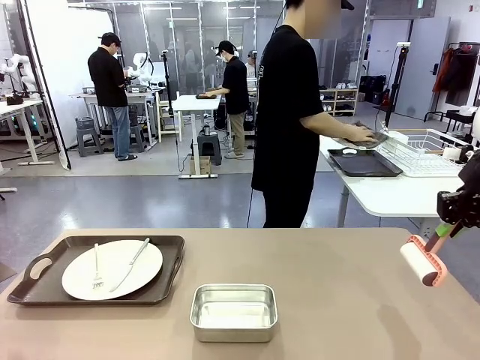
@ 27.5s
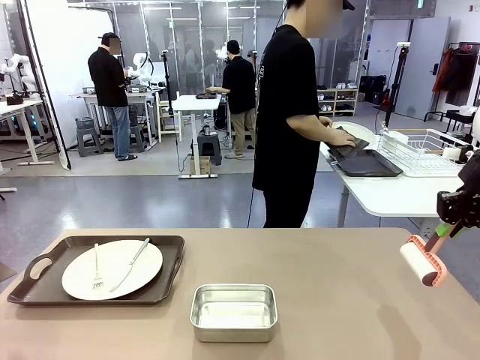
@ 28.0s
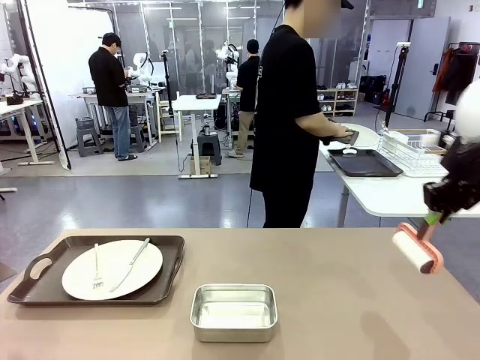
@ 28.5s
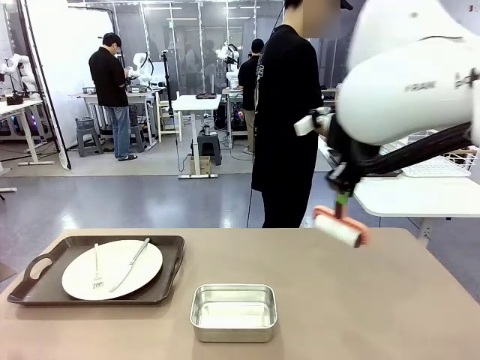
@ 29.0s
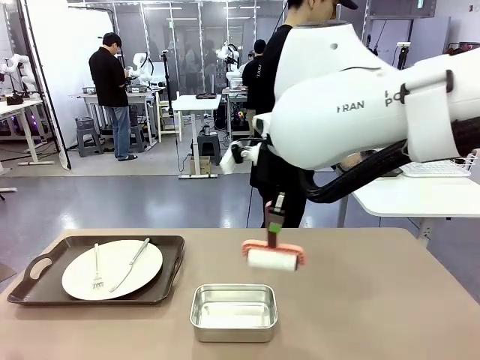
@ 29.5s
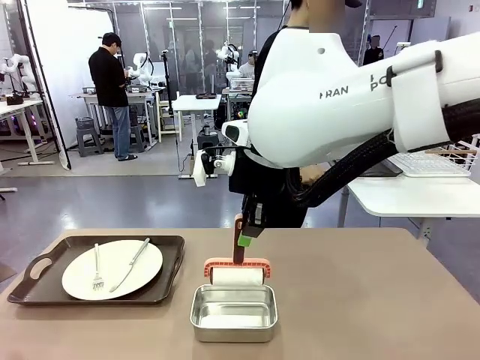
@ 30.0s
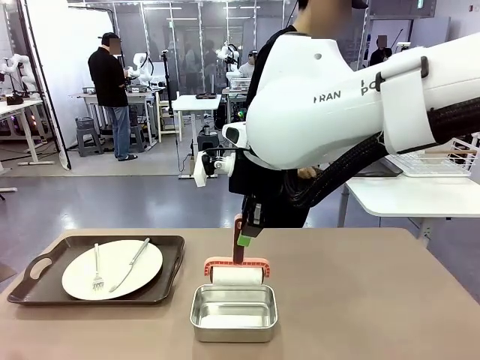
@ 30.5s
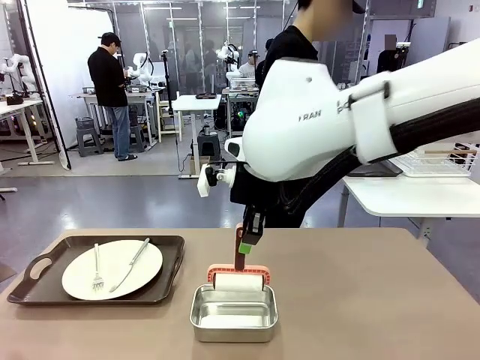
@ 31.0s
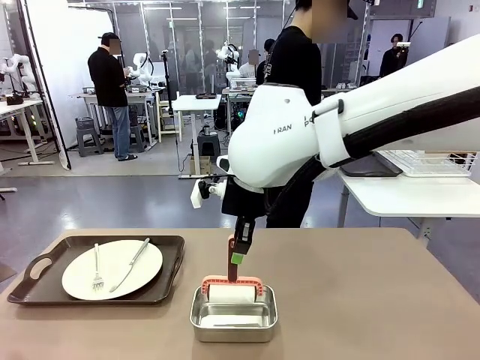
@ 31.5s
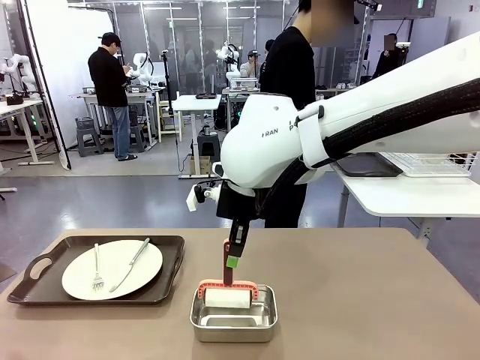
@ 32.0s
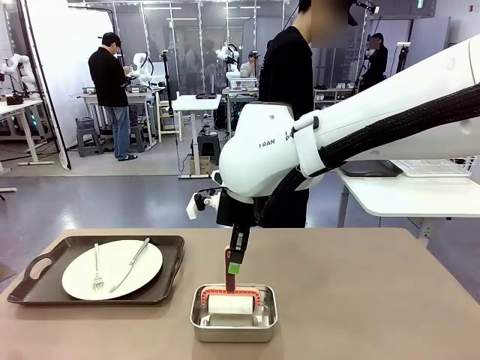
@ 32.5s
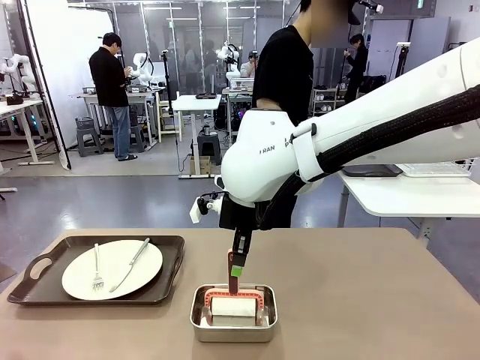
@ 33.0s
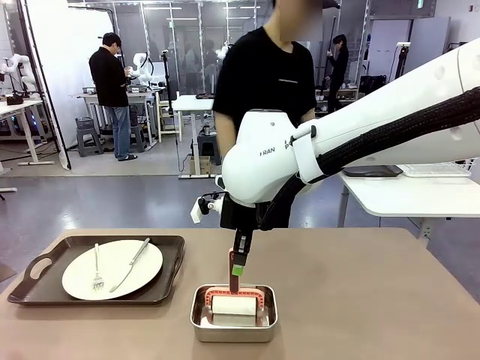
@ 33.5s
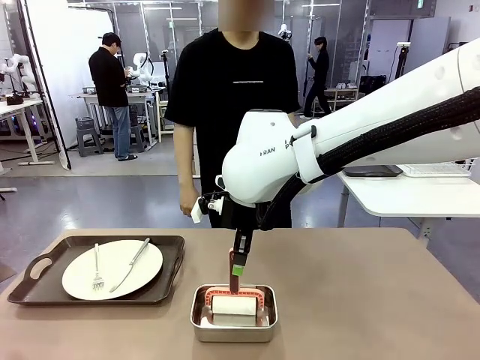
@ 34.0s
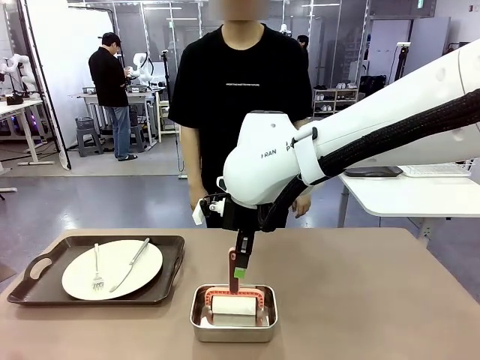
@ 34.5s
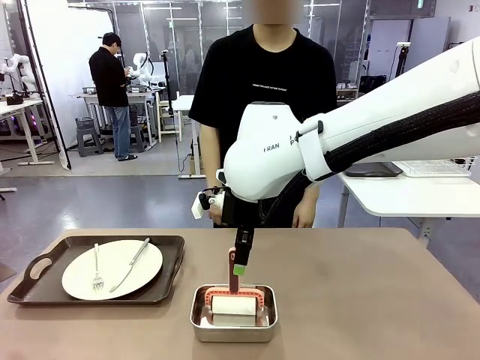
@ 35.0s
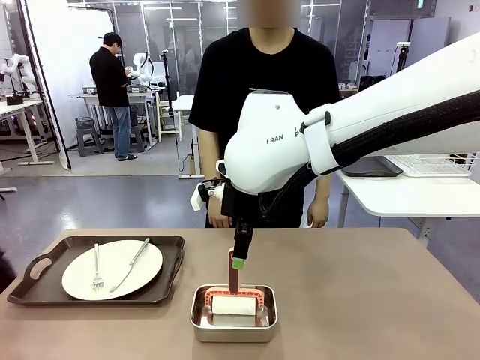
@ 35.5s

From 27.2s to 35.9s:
Robot: Place the Lint Roller back on top of the Airtight Container.

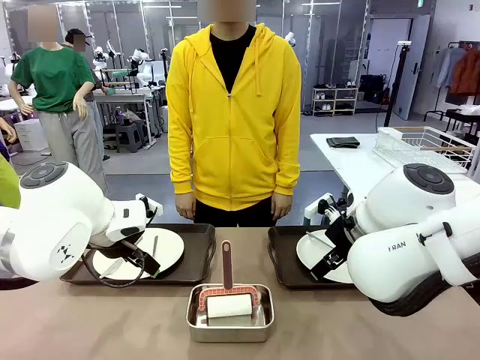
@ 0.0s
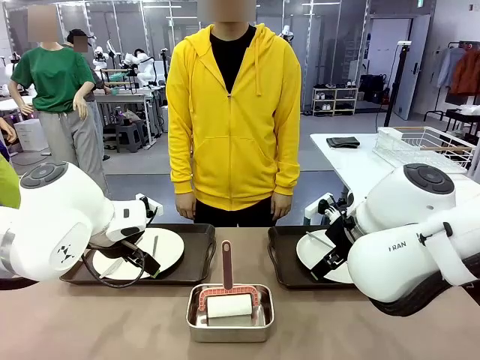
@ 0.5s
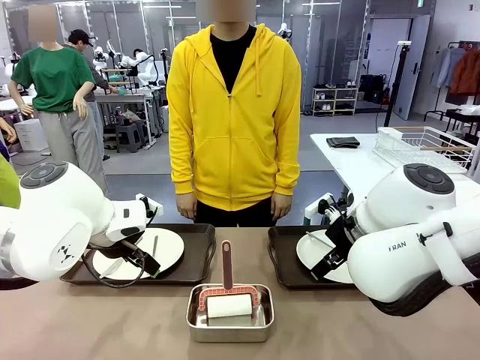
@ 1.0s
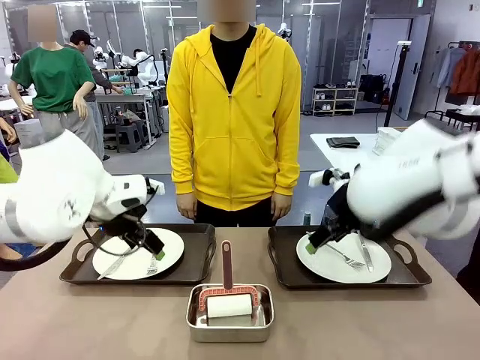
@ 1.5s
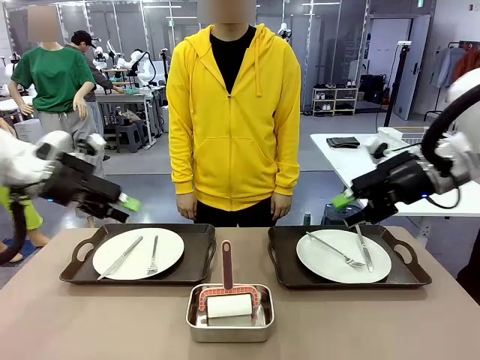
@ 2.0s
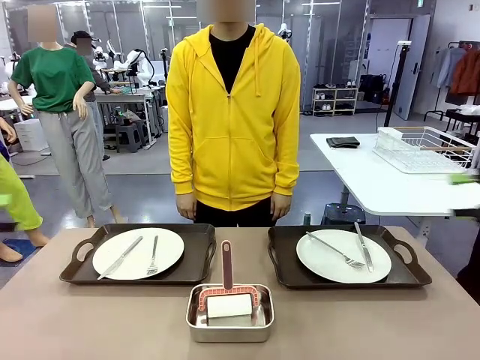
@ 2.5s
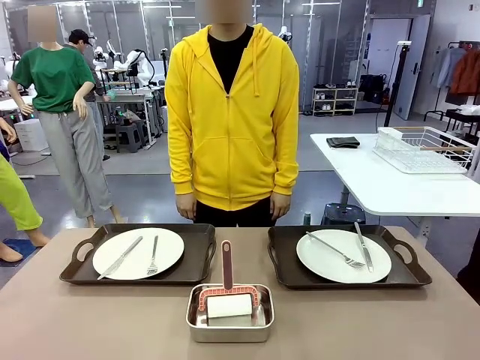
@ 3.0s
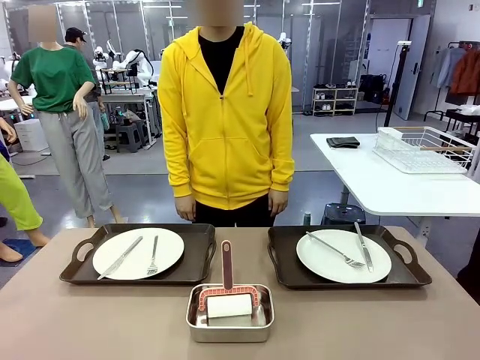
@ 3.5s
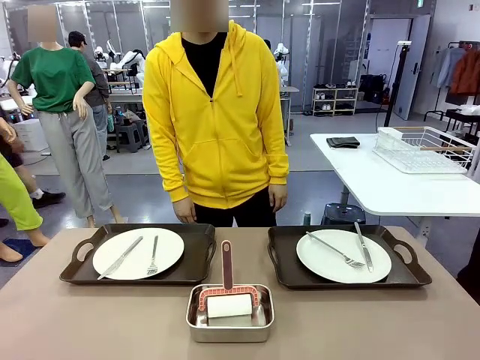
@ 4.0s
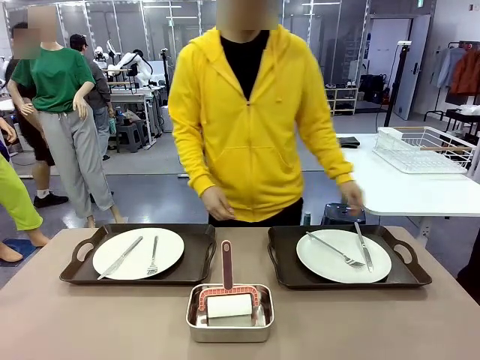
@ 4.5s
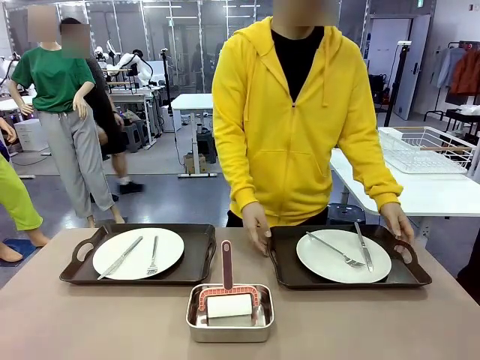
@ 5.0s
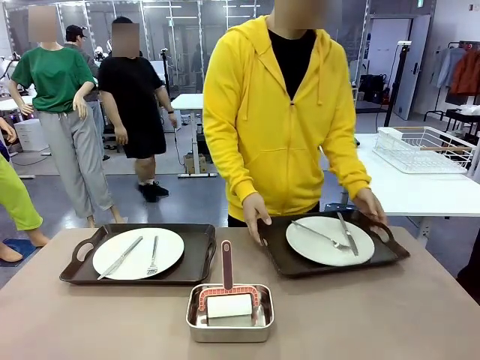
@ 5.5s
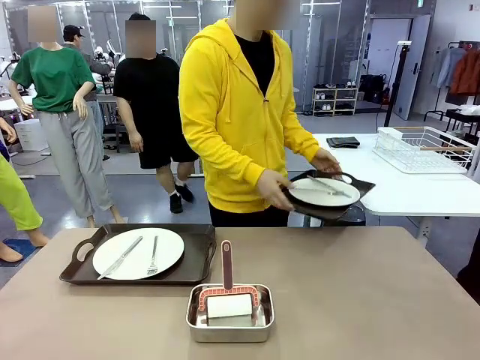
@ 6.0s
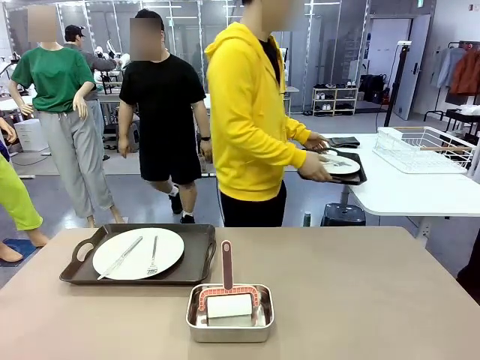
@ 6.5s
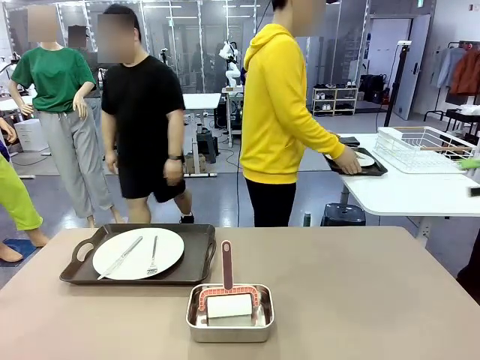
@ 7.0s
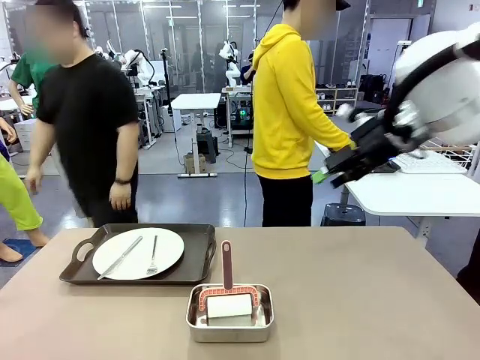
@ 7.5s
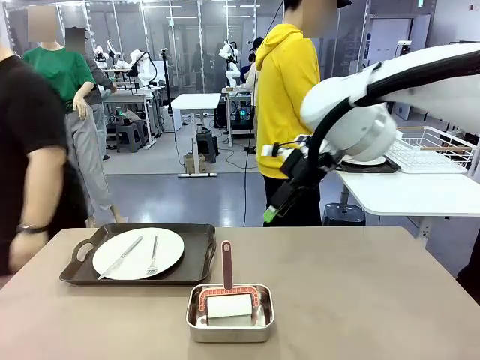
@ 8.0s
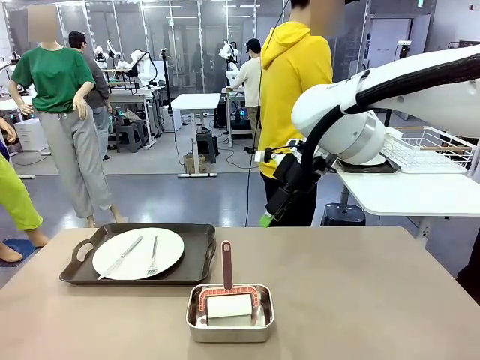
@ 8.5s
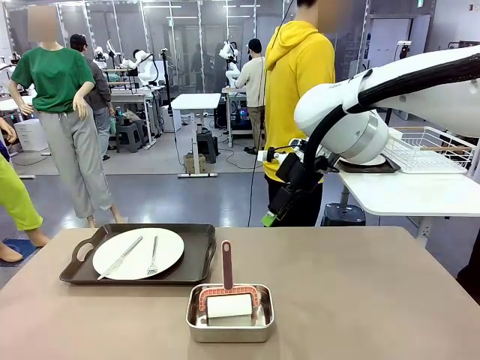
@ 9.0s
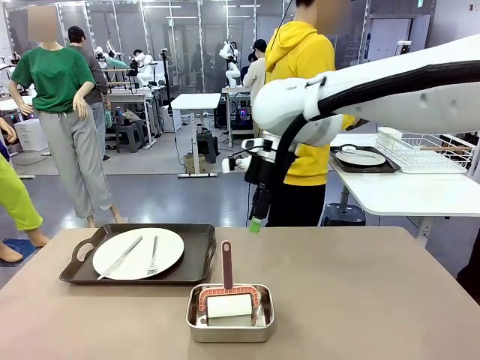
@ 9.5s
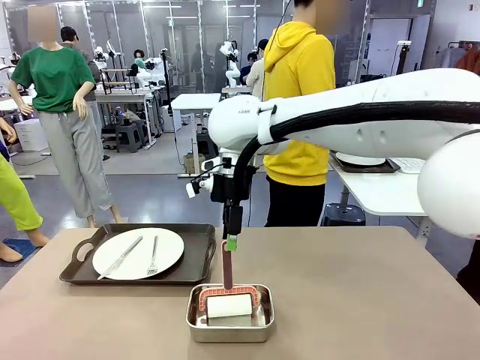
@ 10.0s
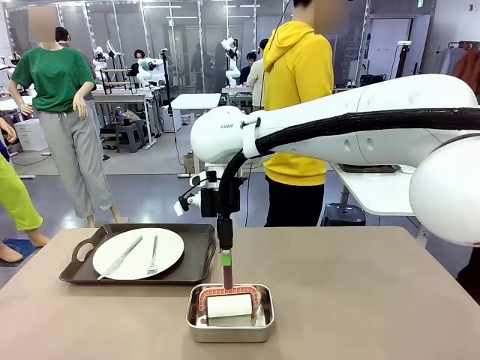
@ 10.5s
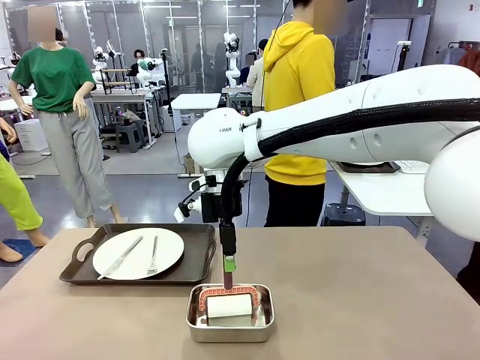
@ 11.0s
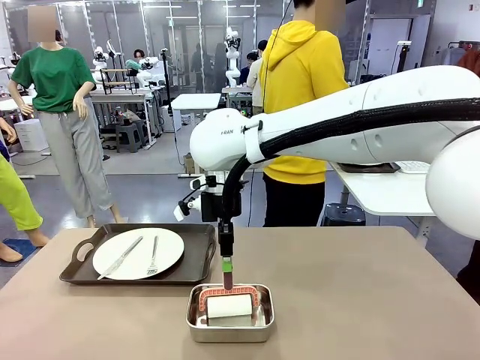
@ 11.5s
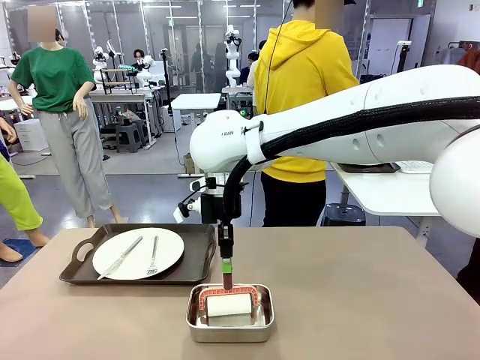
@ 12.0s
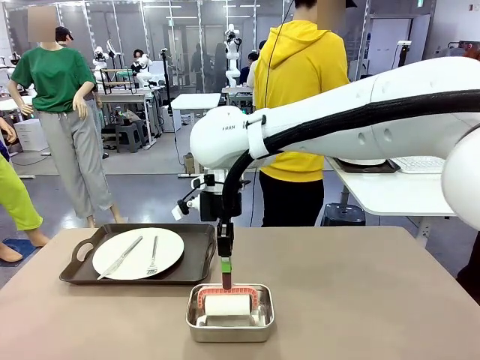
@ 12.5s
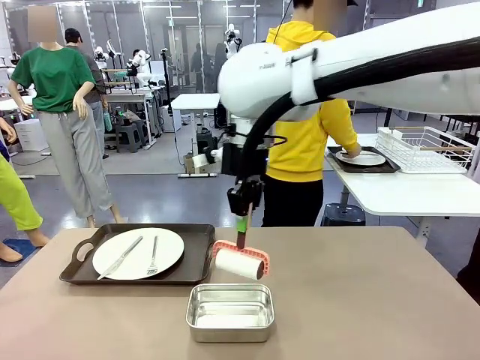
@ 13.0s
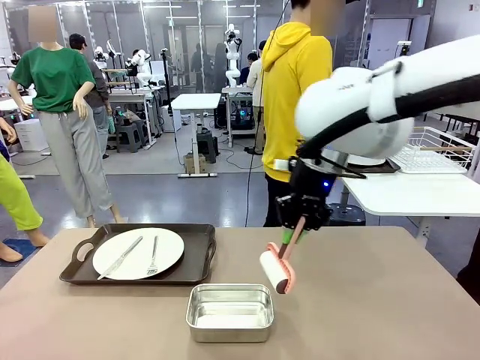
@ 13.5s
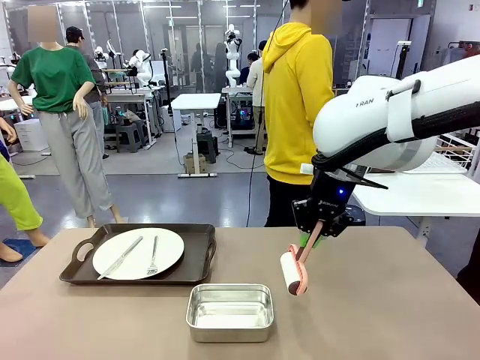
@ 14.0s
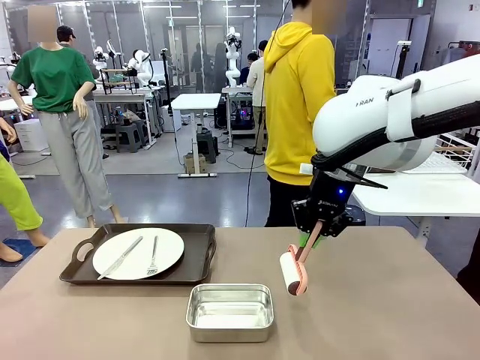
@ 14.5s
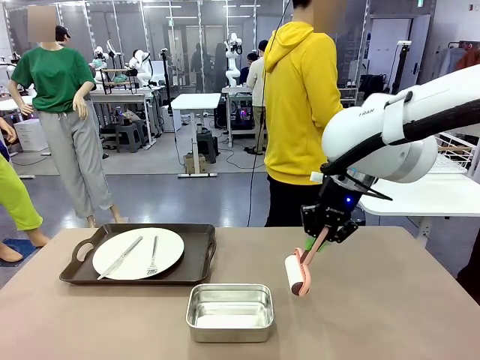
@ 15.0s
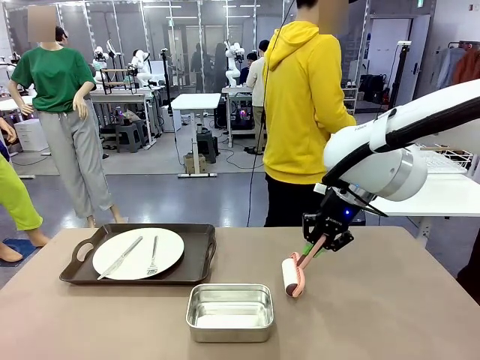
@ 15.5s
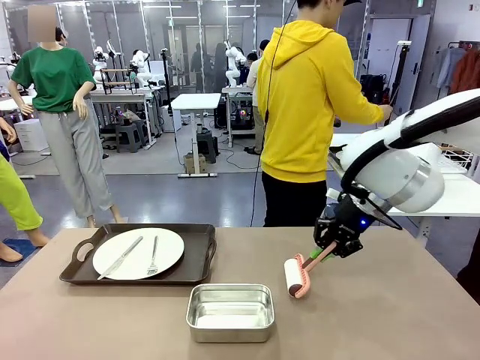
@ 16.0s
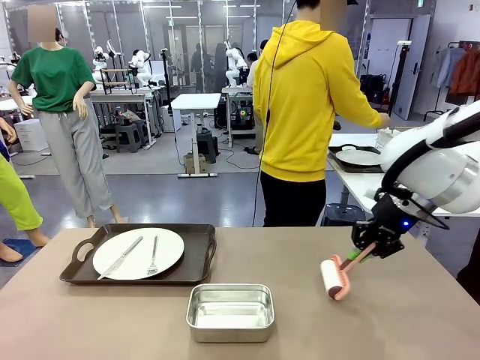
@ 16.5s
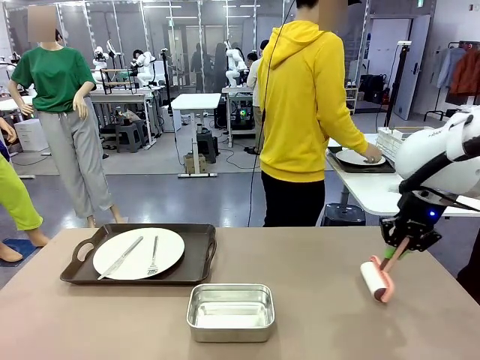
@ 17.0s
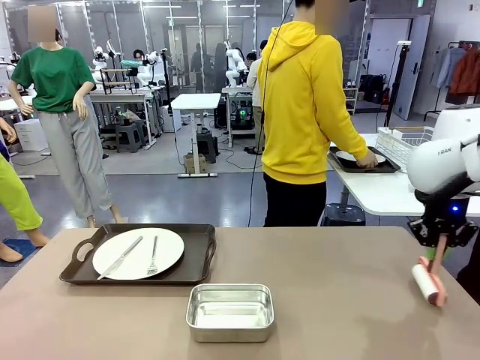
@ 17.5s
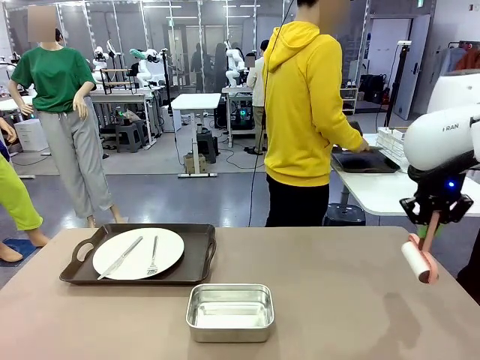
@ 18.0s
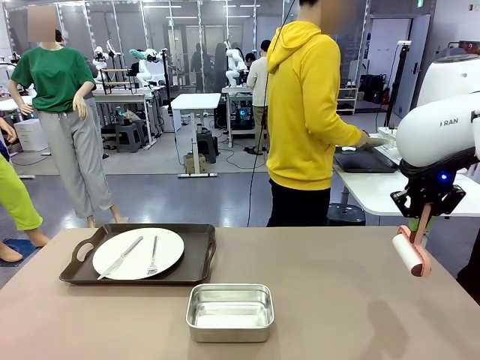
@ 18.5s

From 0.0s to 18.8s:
Robot: When the left (or right) Handle tray is removed, use the left hand (or right hand) to clean the left (or right) side of the table with the Lint Roller.
Person: Pick up the left (or right) Handle tray and place it on the middle of the Human's table. Use the Towel with hook to wipe the Plastic Matte Plate , Fork , and Knife and place into the Dish drying rack.
